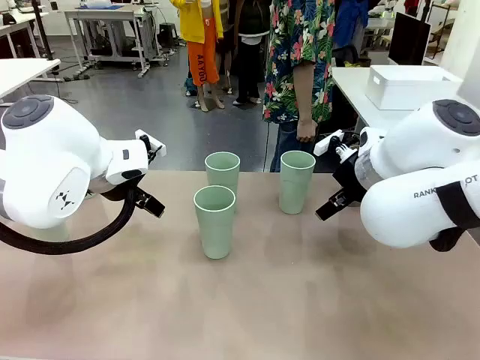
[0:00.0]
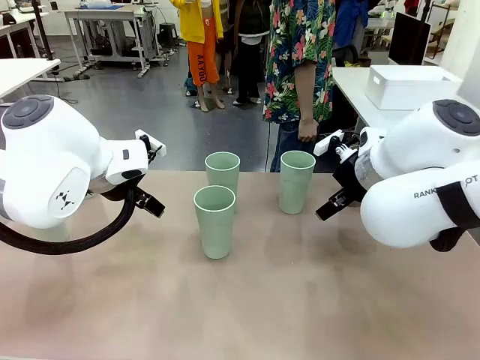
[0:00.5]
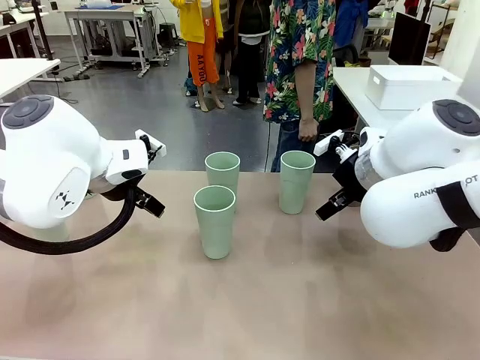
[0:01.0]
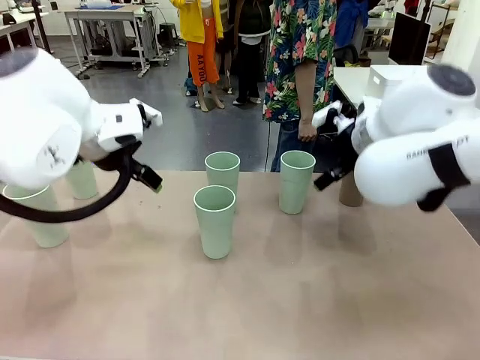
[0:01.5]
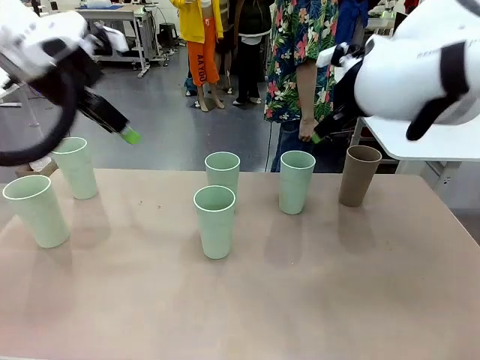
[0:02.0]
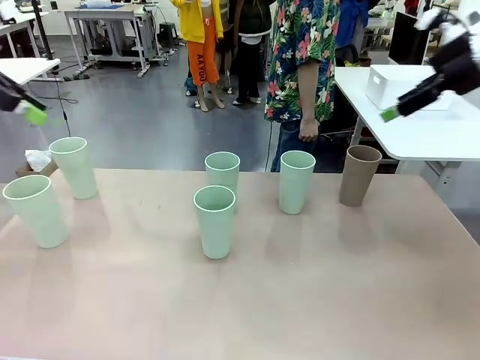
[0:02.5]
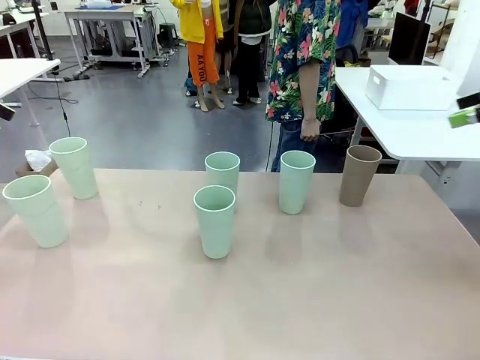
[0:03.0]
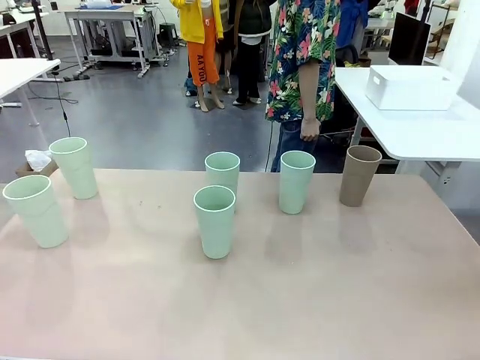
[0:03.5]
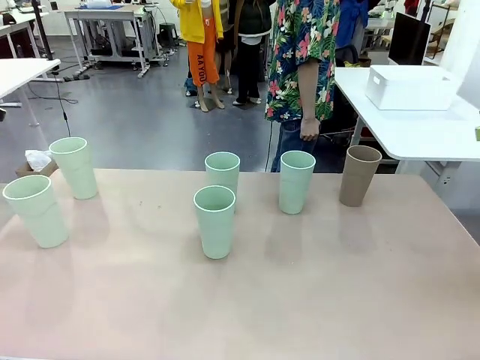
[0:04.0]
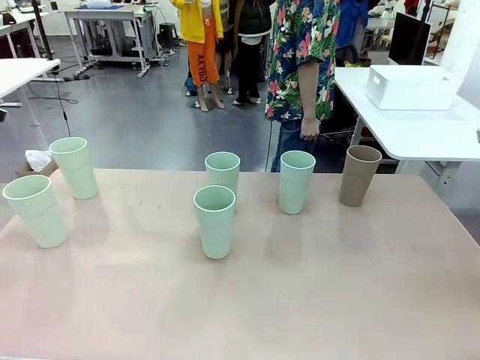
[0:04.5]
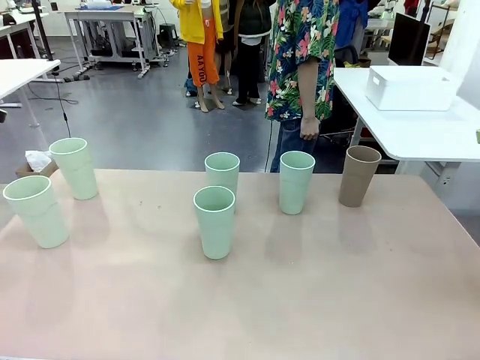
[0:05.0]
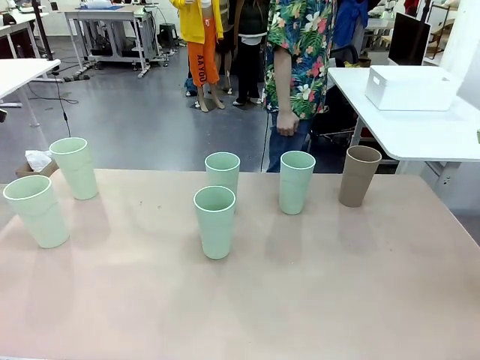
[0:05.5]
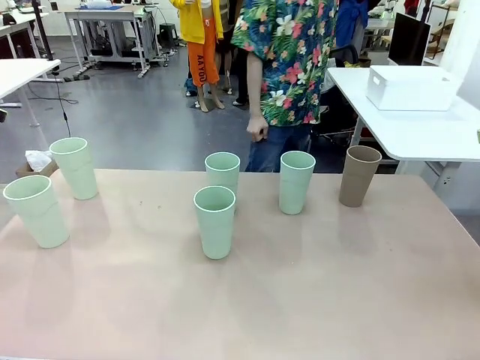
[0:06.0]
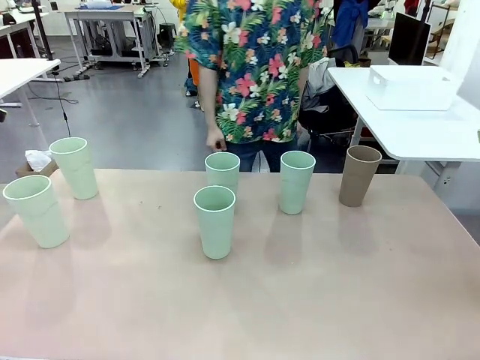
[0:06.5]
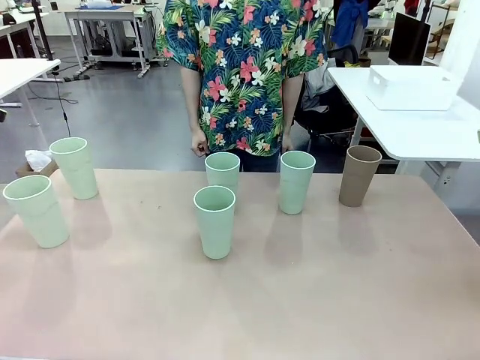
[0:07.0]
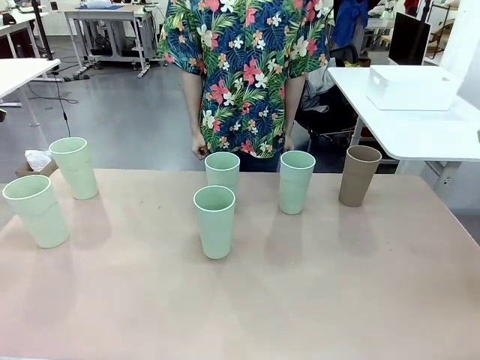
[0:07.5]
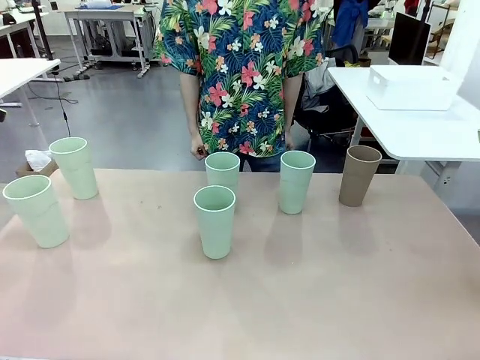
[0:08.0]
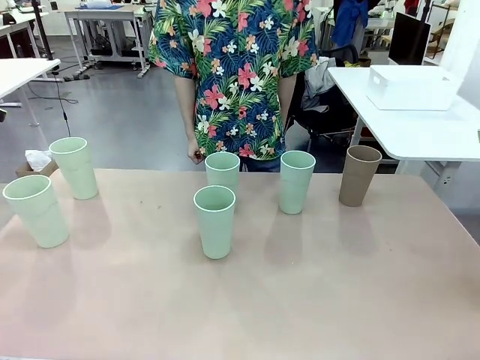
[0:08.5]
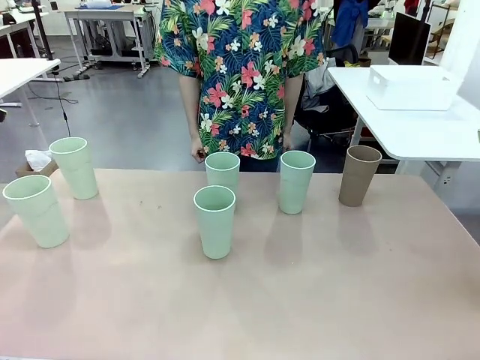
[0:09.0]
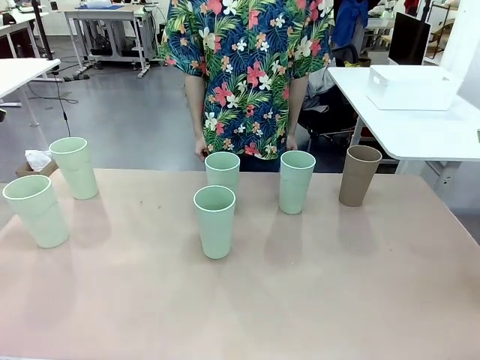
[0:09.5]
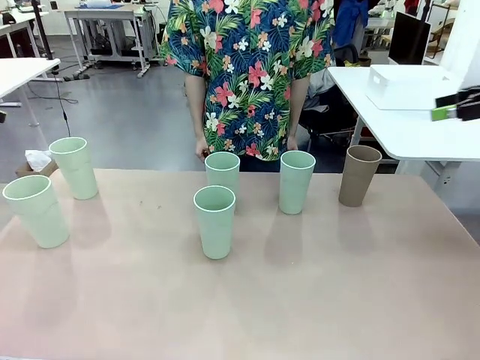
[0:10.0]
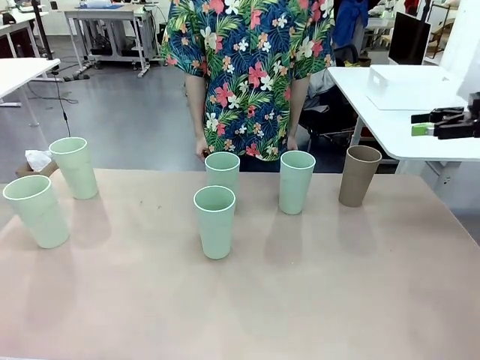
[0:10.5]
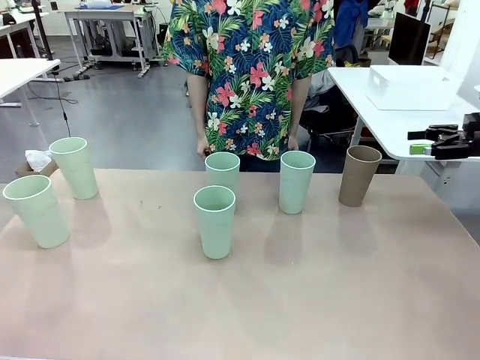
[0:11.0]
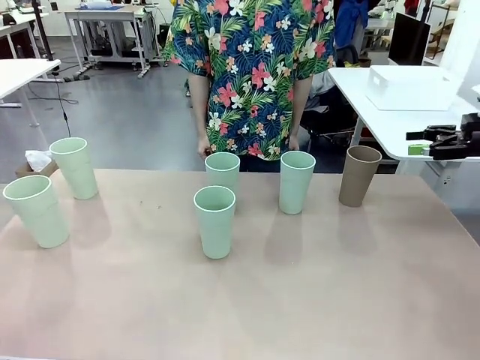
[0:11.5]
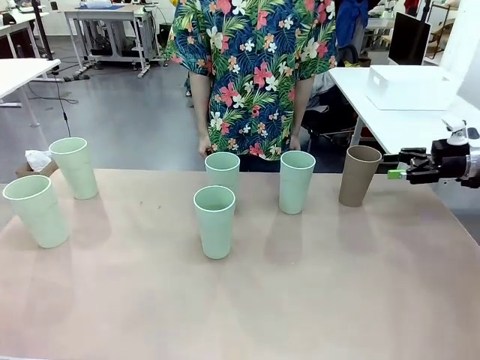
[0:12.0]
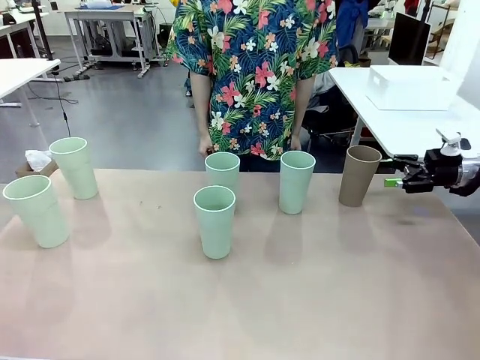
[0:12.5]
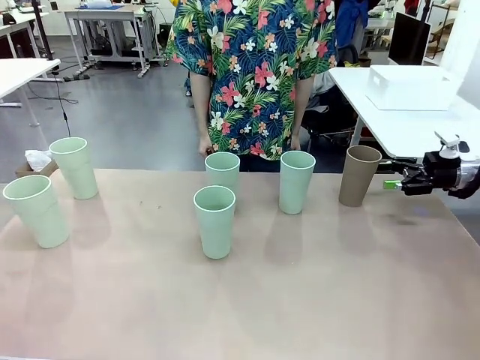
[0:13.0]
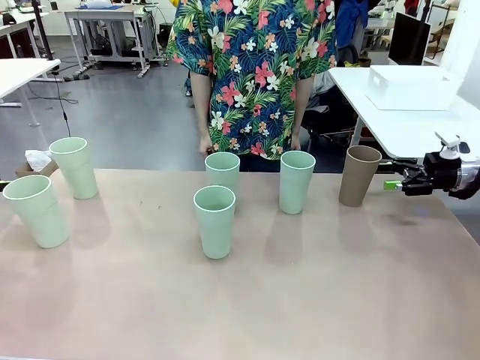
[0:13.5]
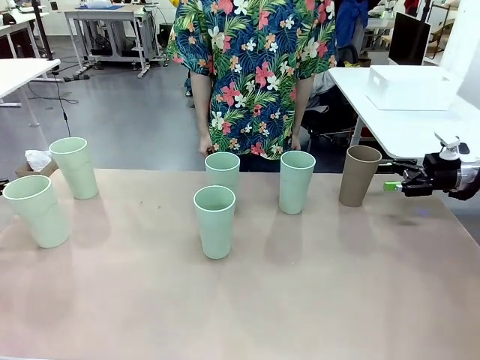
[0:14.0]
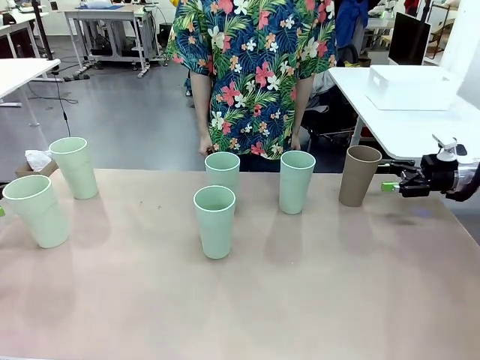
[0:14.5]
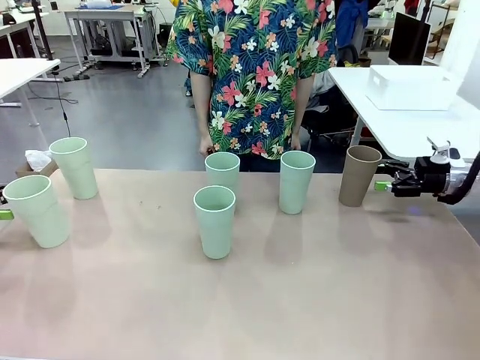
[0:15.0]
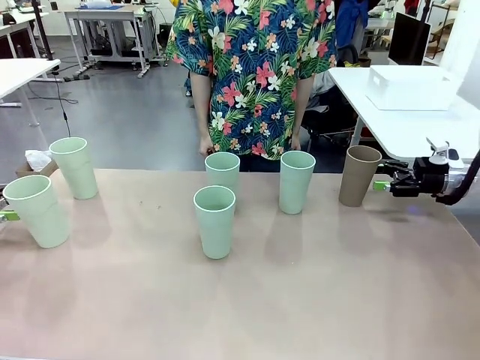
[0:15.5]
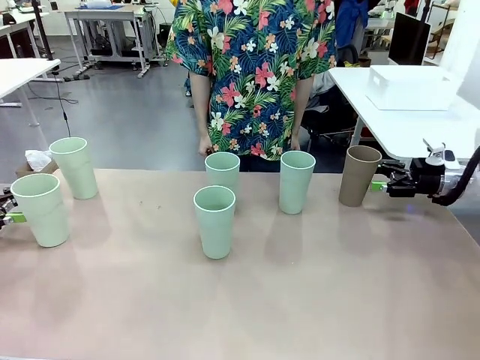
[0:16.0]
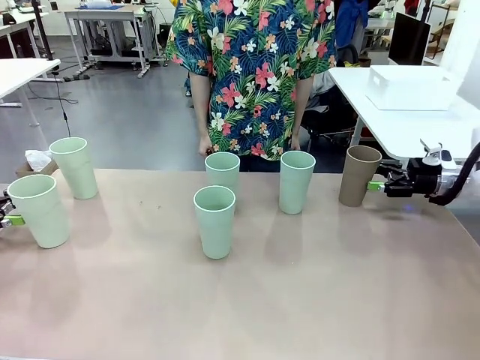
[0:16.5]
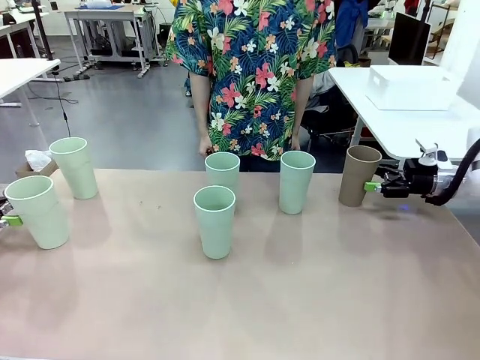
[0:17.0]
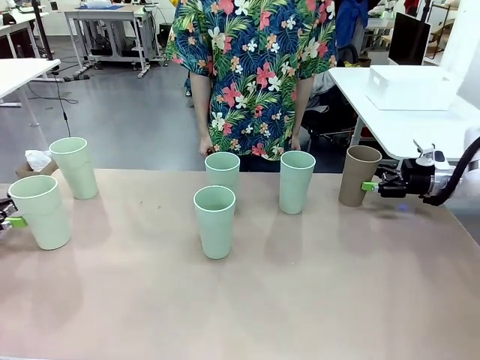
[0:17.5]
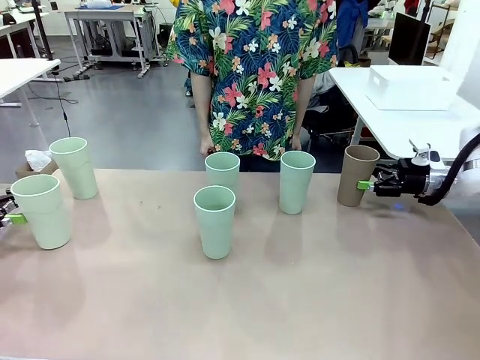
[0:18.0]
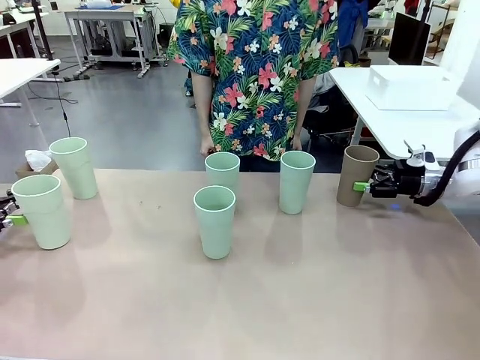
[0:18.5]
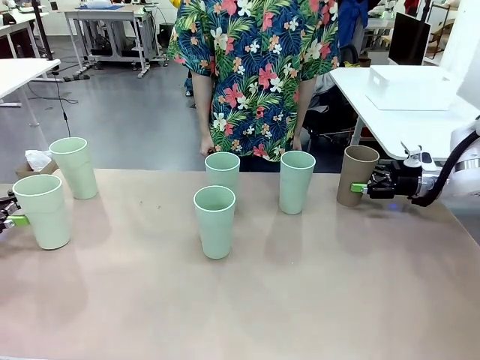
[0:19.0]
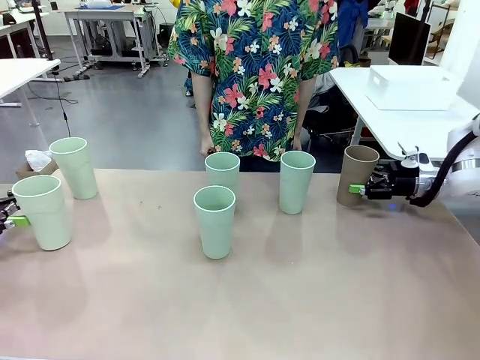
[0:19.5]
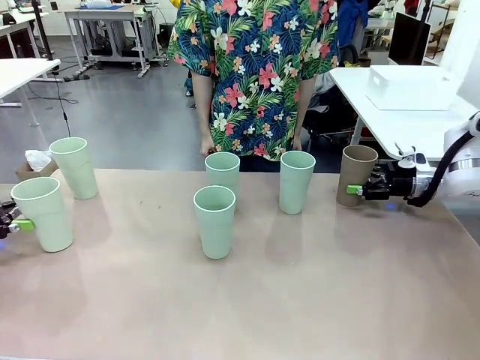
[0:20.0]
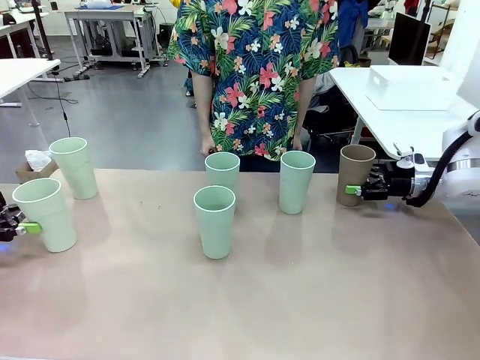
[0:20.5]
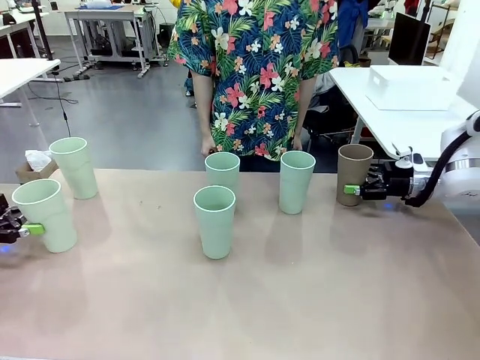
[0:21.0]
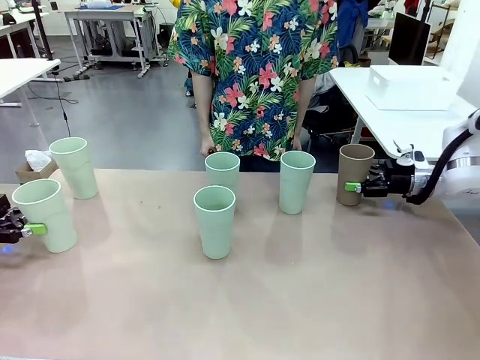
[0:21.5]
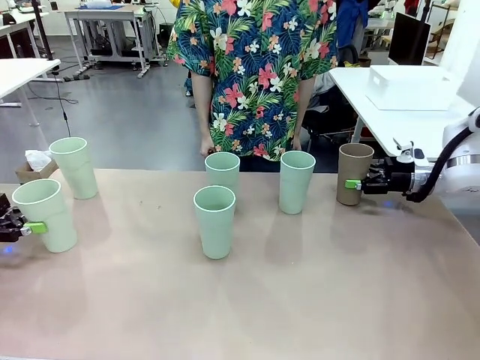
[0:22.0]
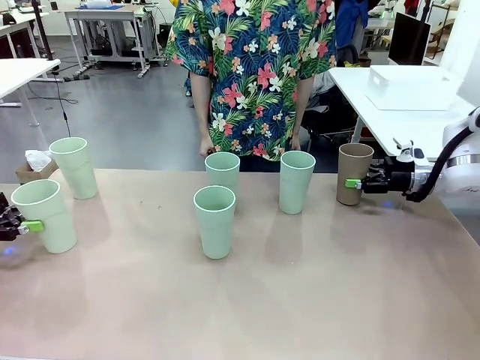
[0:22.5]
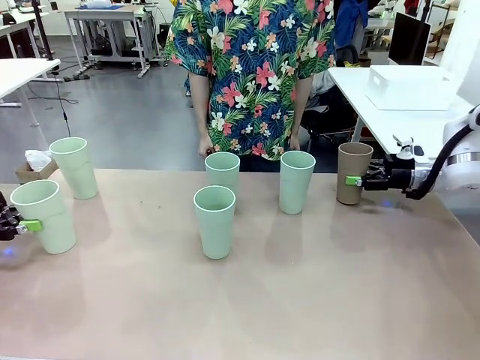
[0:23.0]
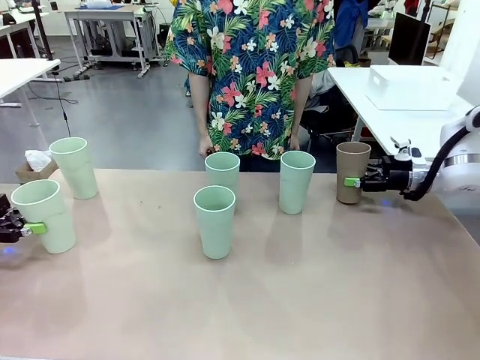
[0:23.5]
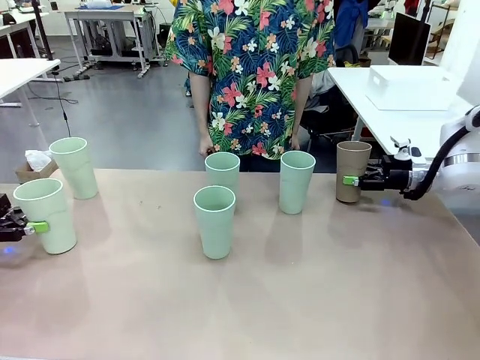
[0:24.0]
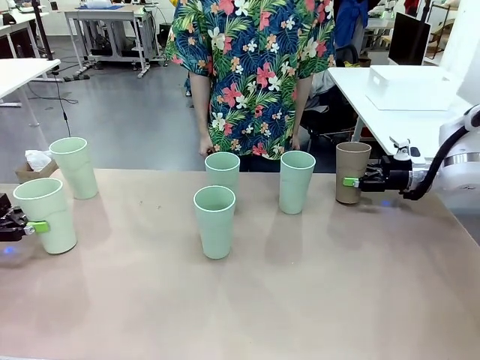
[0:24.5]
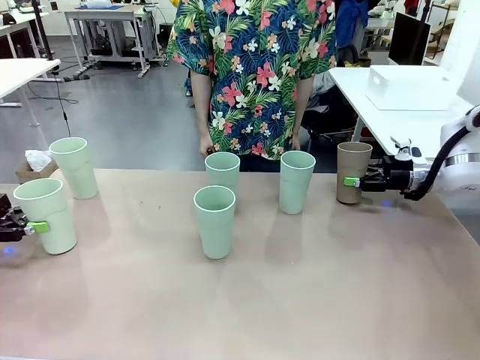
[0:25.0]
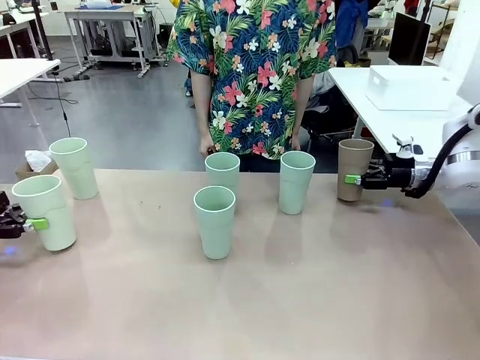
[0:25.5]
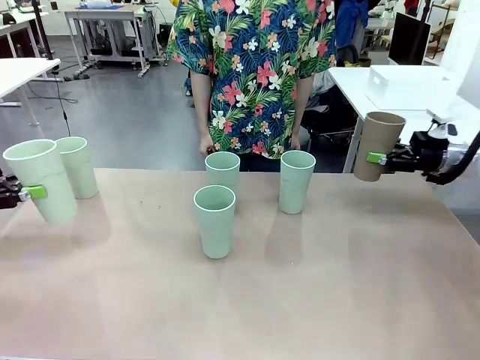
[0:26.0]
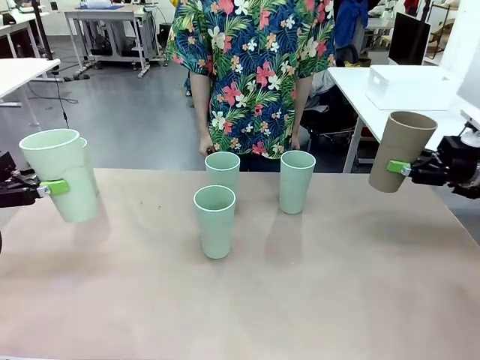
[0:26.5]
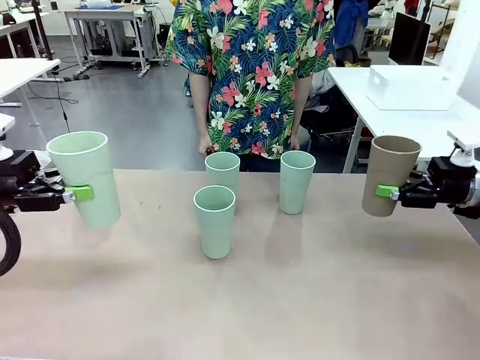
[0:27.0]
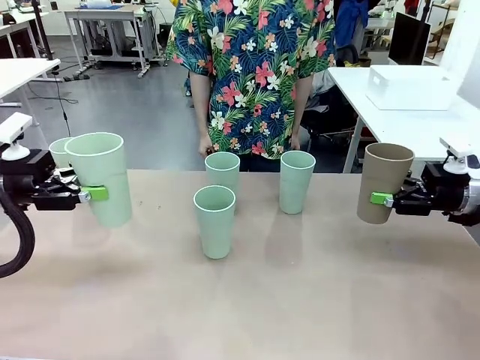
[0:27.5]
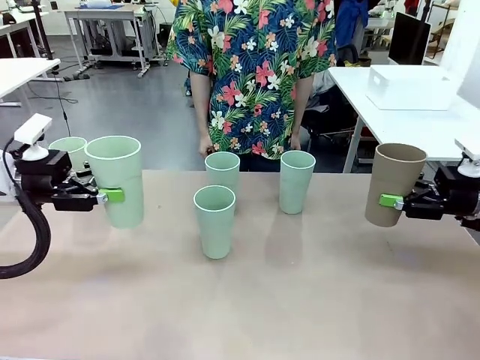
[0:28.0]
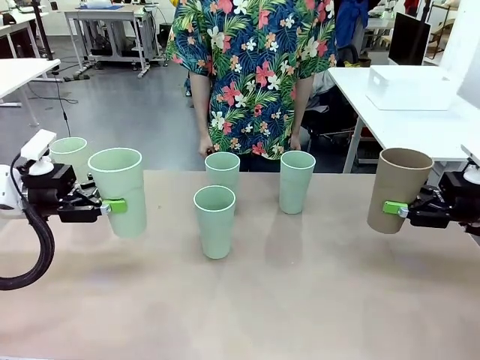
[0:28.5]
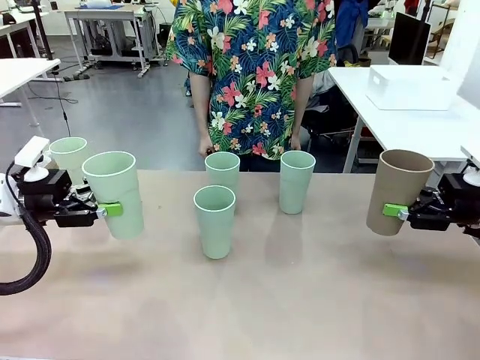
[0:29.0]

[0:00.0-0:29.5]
Task: Stack the cups and store them in the basket.
Robot: Pick up two Reusable plastic cups , one in each hand.
Person: Move from the Human Table to the front of the Robot Table. Stack two of the remaining cups on top of each cup held by the robot.
